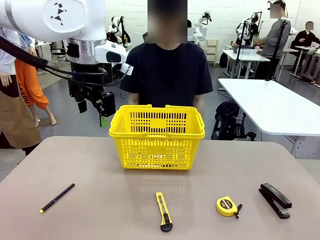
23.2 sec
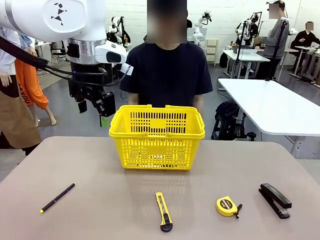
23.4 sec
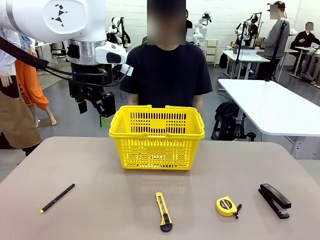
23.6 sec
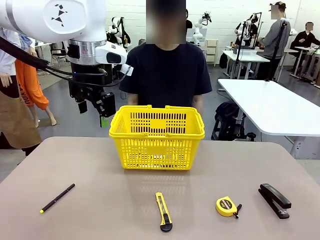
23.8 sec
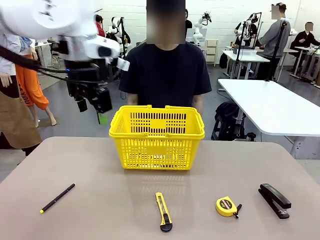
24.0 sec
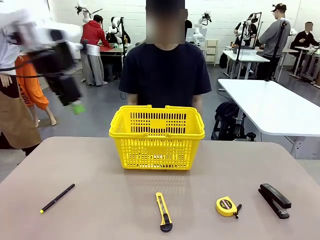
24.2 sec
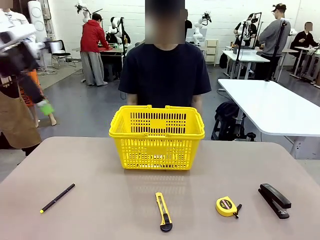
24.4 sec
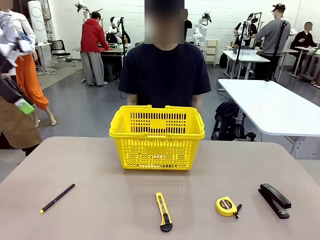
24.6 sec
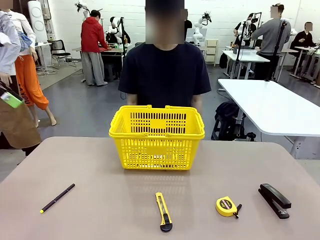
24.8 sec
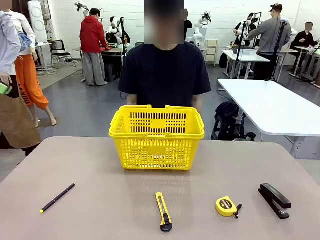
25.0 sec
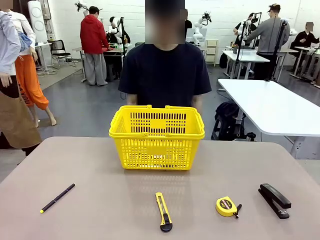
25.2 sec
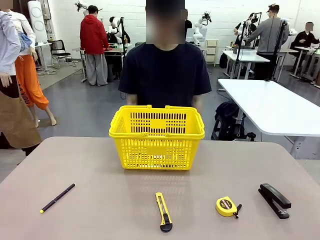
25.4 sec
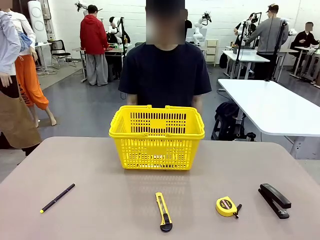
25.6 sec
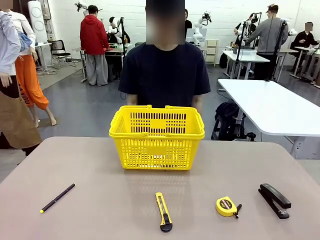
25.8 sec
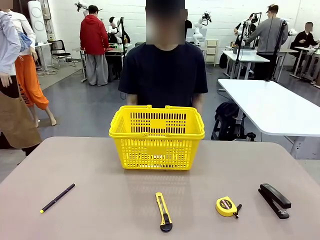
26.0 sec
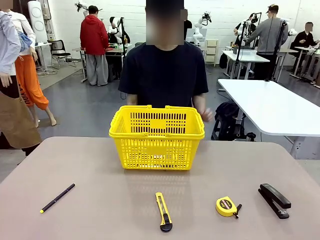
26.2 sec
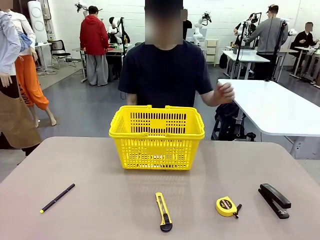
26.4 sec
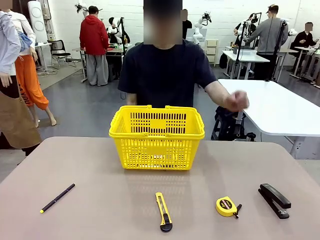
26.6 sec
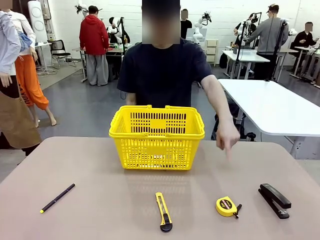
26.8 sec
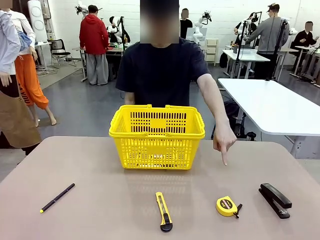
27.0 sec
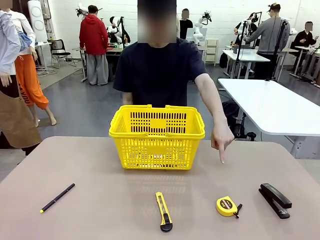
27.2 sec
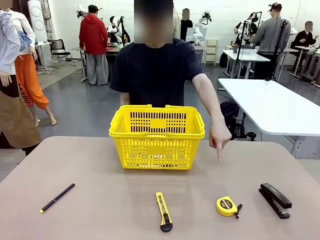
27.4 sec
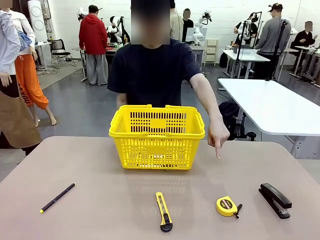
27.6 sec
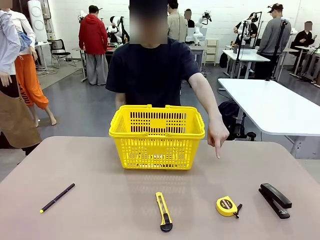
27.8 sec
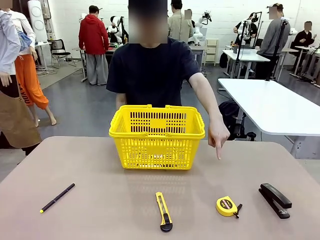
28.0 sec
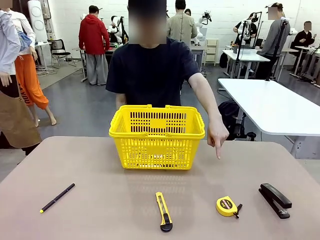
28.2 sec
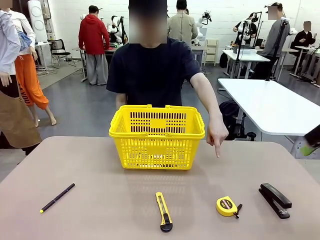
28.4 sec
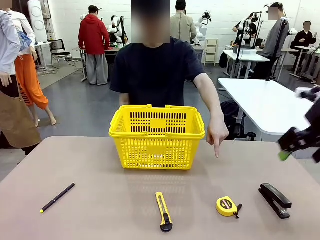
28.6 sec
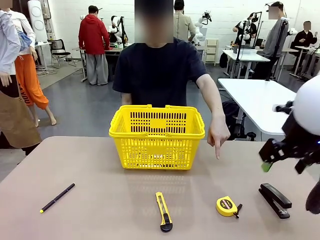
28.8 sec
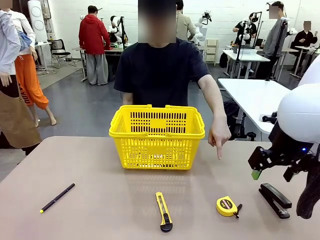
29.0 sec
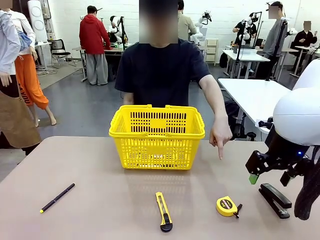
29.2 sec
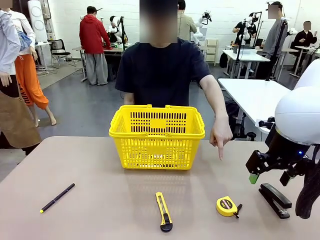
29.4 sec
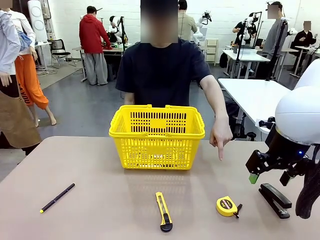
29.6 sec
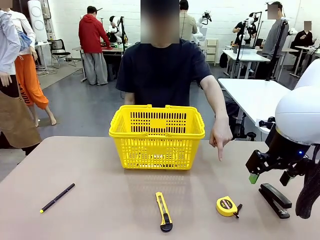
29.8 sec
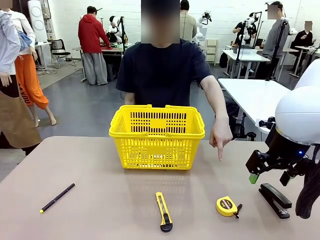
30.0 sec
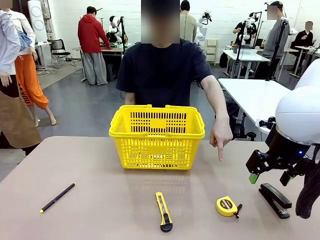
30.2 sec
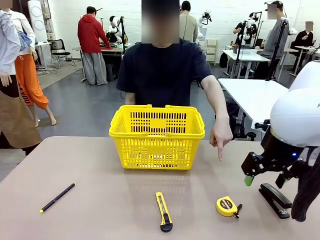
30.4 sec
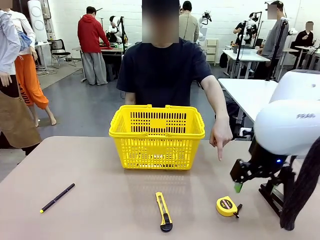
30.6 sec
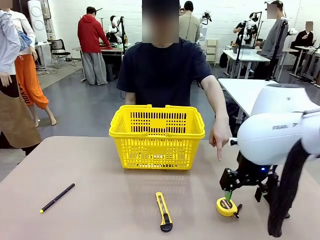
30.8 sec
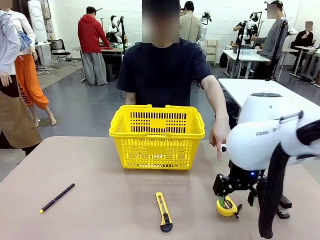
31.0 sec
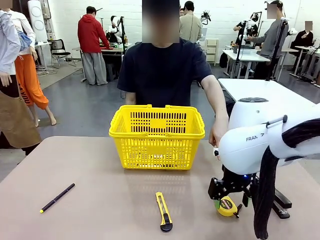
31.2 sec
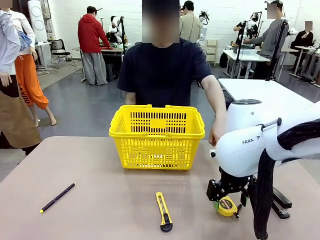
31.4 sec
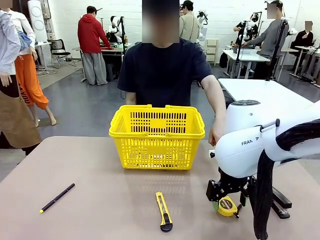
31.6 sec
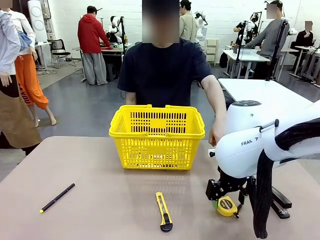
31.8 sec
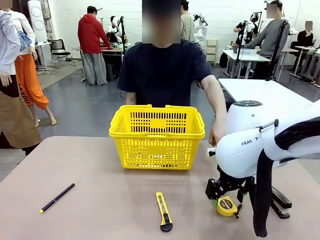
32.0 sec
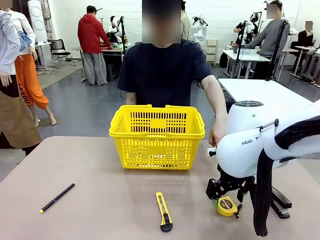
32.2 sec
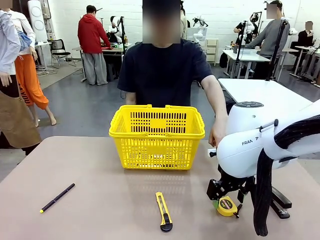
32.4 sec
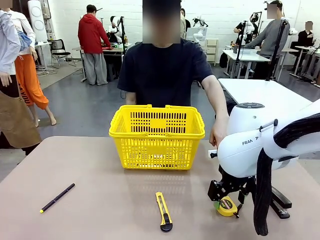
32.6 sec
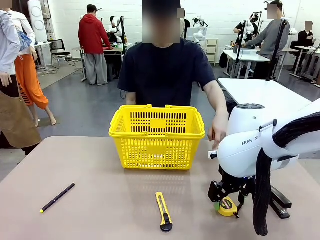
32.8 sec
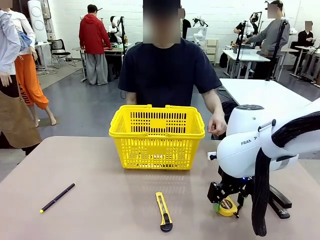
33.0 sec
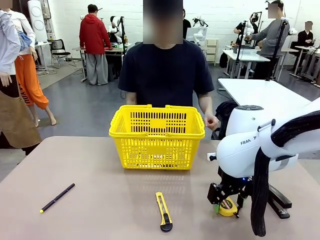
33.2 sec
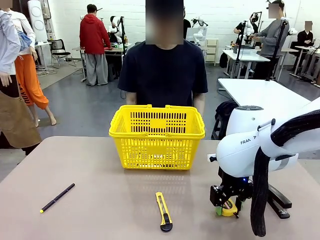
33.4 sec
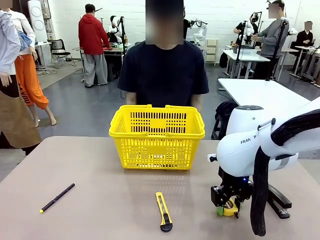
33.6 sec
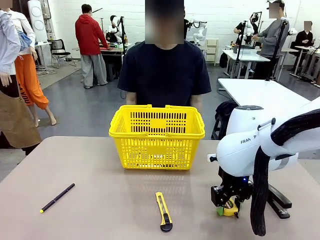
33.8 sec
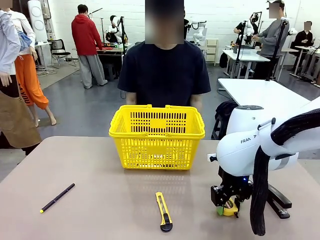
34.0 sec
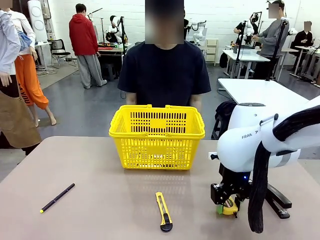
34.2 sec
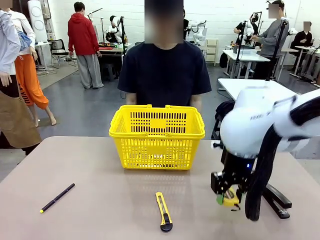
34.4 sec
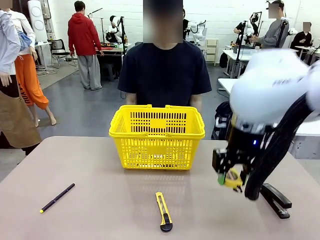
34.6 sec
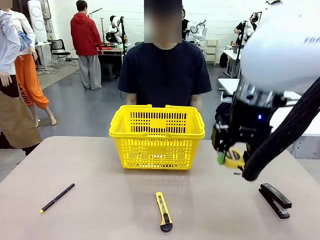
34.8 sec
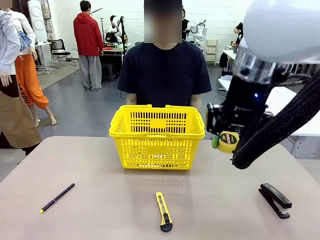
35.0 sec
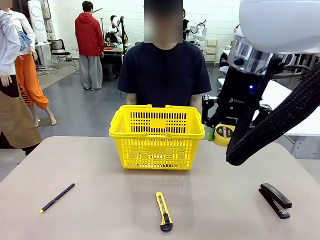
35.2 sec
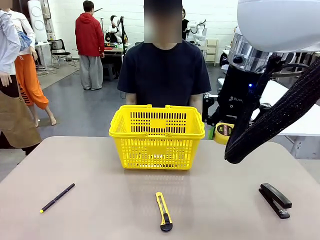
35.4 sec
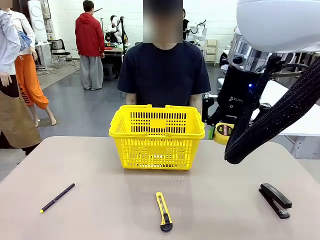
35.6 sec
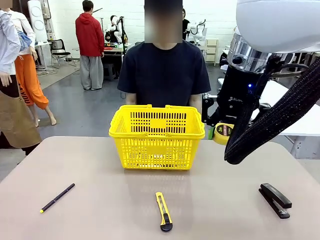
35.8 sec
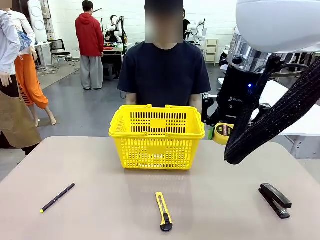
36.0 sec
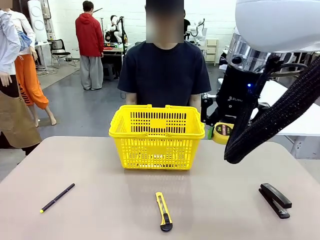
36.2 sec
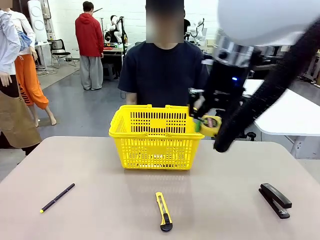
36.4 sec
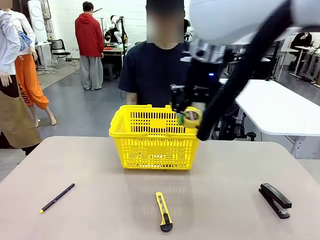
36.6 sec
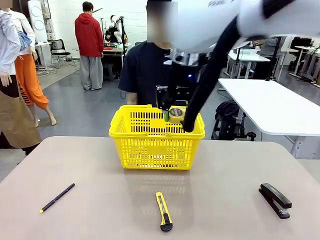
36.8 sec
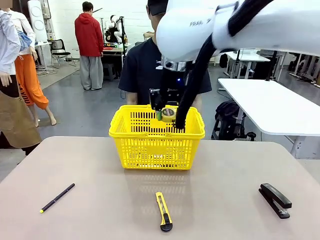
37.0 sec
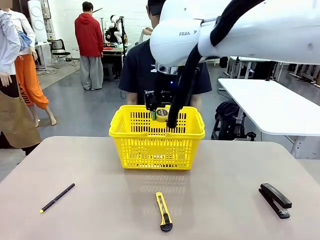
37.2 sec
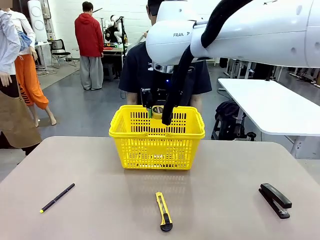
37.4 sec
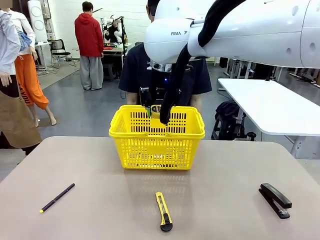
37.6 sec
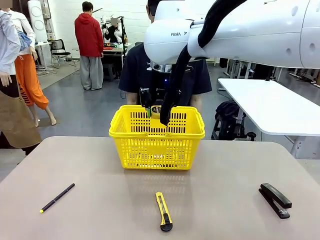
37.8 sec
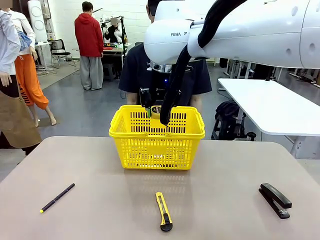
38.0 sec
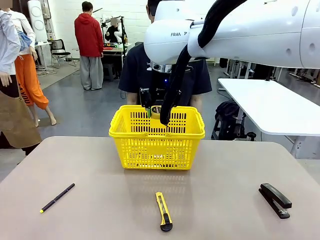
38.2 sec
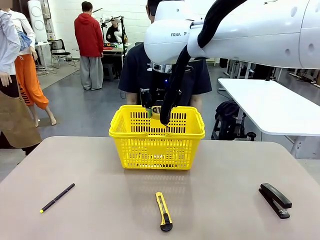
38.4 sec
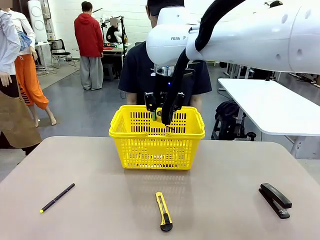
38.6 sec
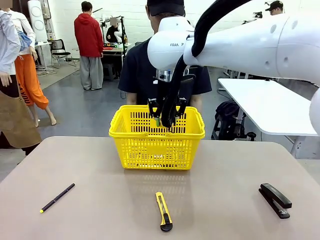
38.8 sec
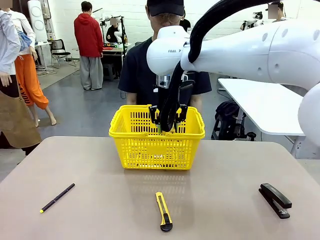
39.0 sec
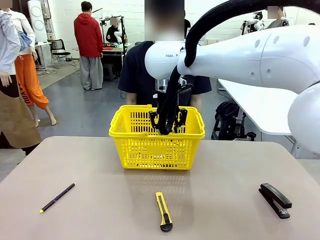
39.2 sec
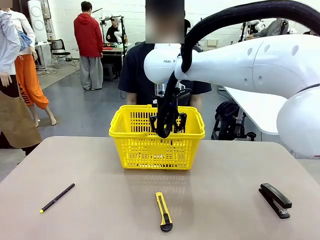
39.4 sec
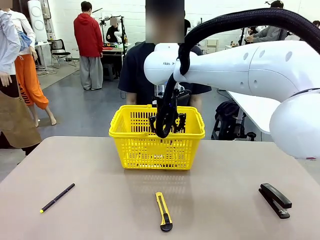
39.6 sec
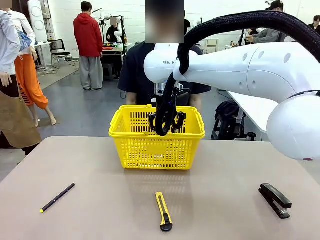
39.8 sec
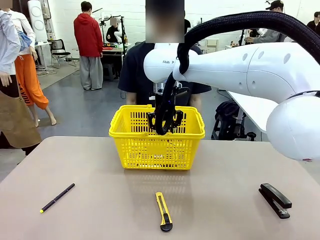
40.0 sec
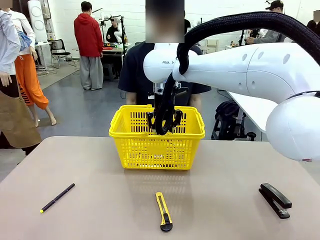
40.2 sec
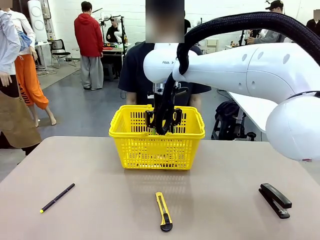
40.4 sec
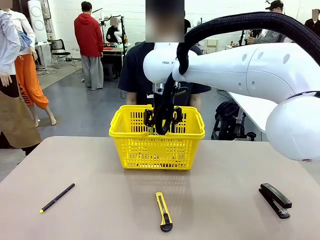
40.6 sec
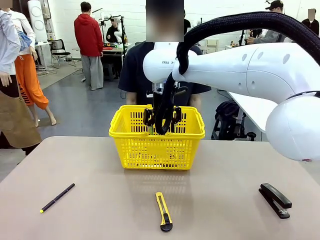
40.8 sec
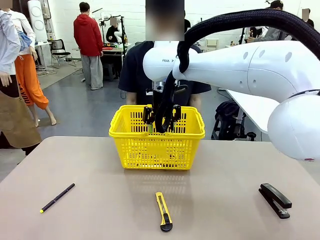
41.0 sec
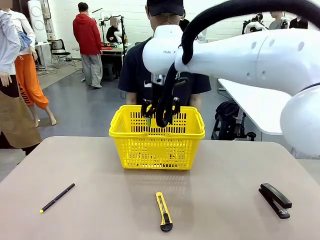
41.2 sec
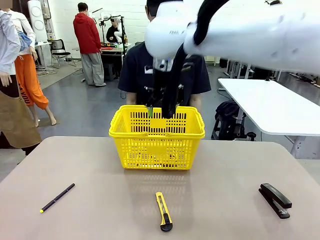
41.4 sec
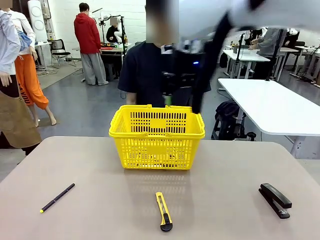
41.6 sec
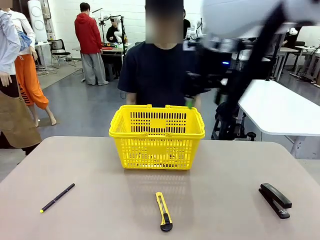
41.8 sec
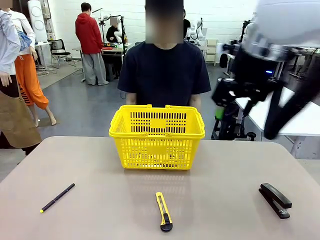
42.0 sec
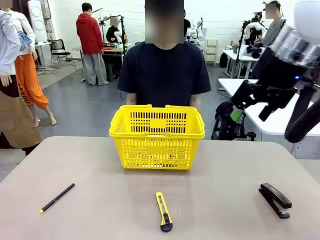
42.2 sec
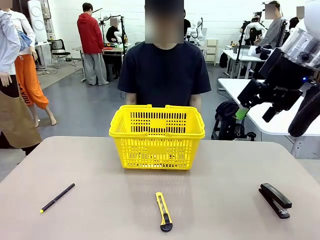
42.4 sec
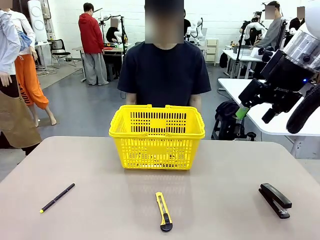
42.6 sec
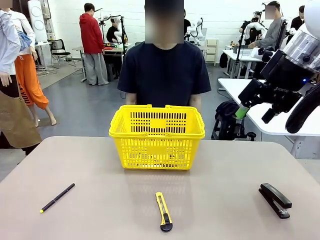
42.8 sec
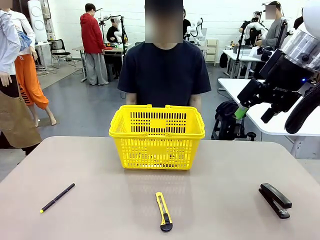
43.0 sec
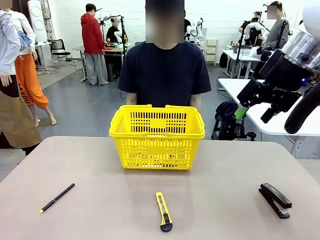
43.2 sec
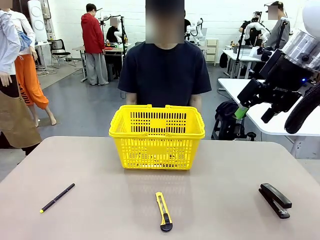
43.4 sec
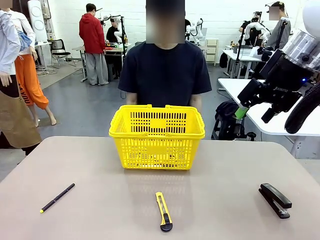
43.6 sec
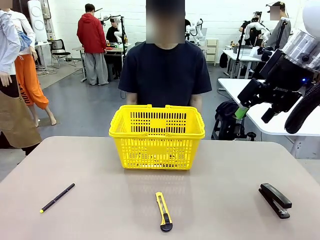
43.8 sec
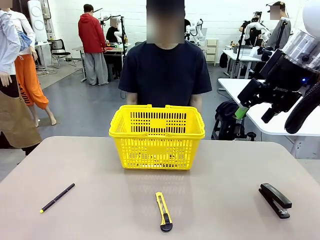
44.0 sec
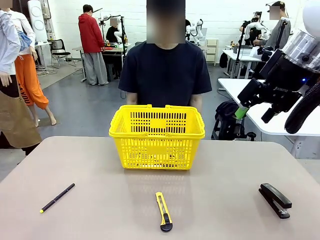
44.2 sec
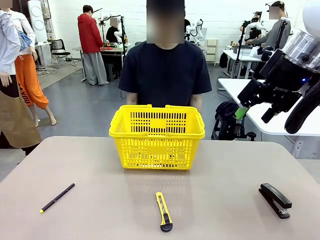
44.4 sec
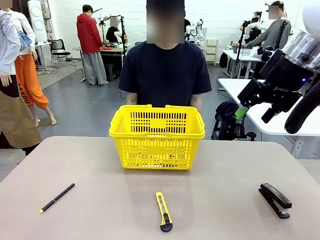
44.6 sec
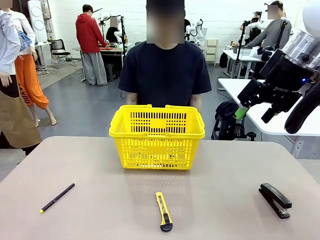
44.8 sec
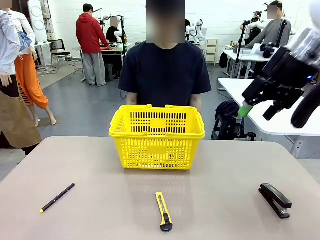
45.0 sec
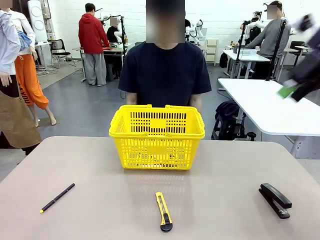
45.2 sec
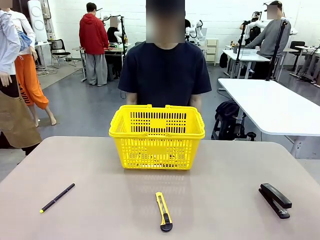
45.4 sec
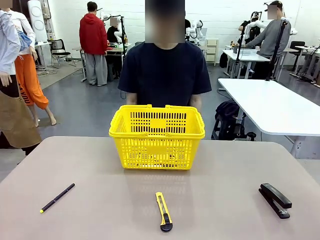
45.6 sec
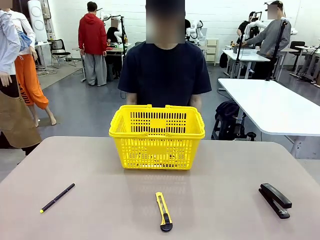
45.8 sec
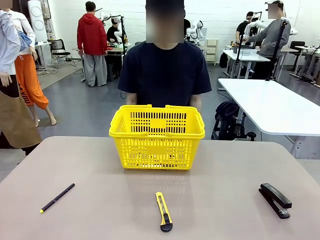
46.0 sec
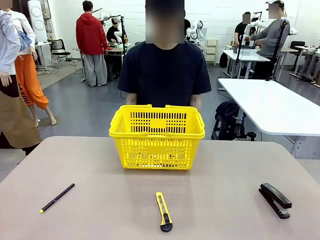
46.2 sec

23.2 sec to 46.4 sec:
Task: Place the items the person wants into the basket.
Robot: Pick up the item the person points to and place it in the Market Basket.
